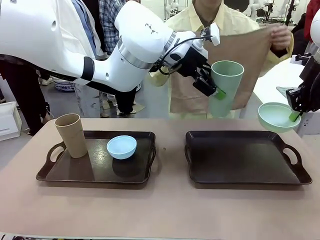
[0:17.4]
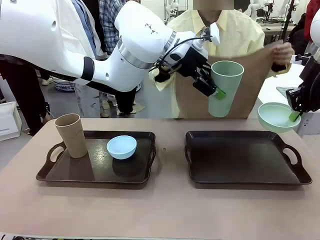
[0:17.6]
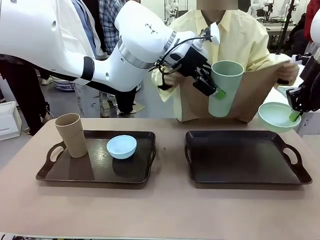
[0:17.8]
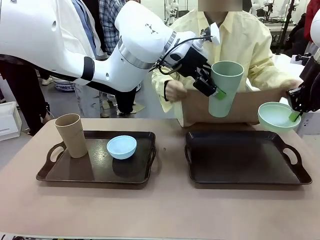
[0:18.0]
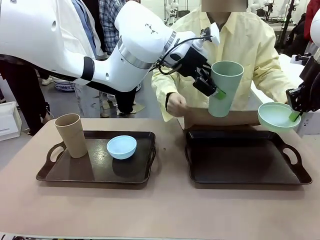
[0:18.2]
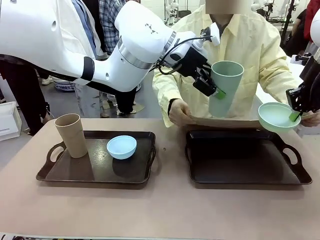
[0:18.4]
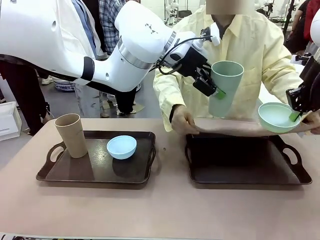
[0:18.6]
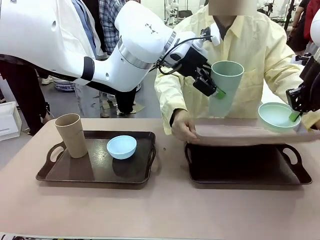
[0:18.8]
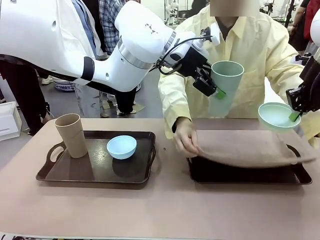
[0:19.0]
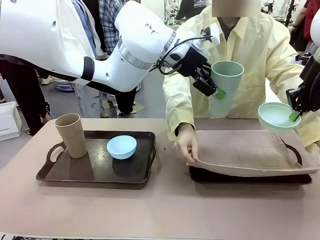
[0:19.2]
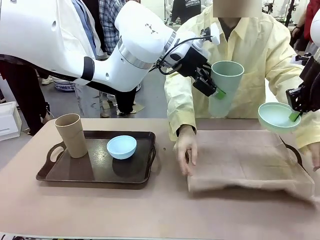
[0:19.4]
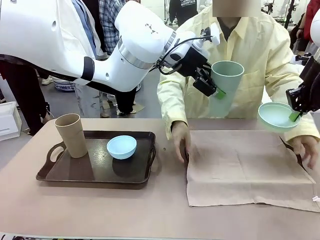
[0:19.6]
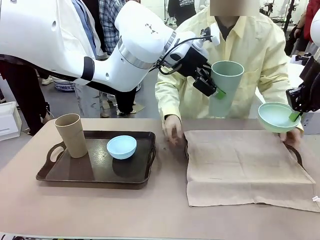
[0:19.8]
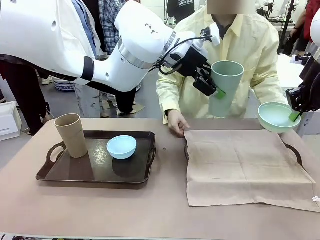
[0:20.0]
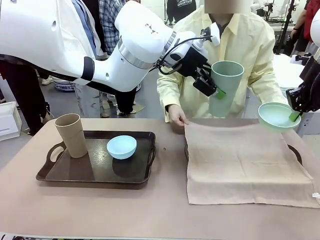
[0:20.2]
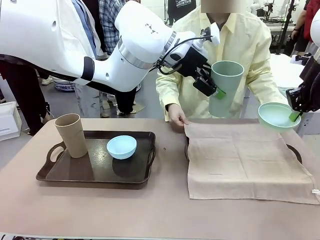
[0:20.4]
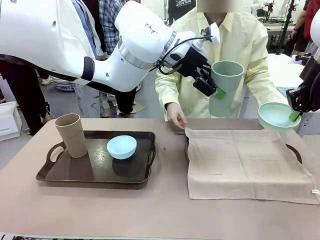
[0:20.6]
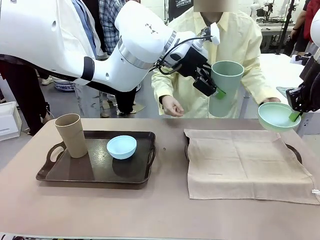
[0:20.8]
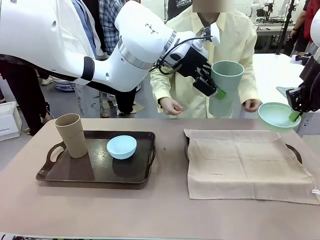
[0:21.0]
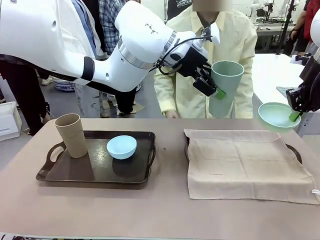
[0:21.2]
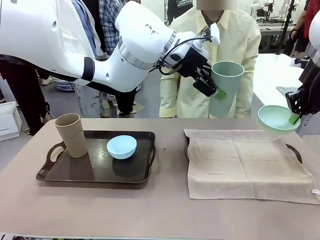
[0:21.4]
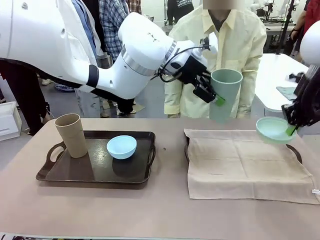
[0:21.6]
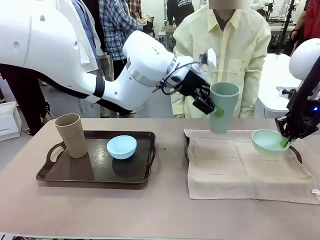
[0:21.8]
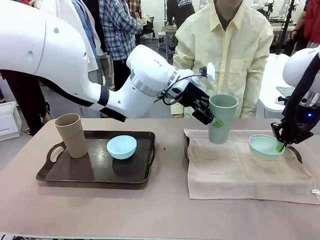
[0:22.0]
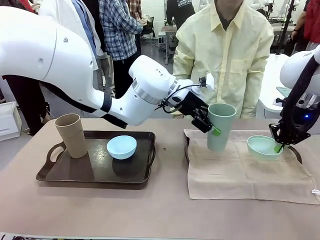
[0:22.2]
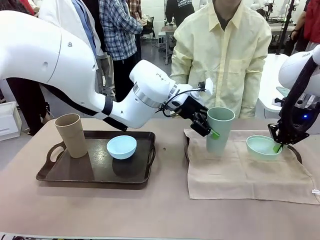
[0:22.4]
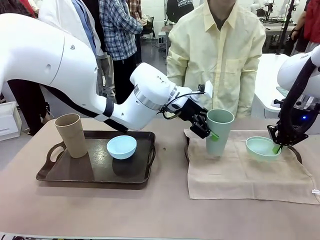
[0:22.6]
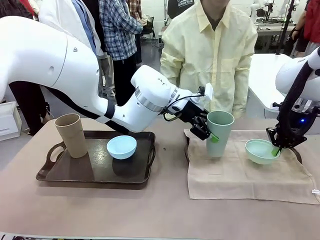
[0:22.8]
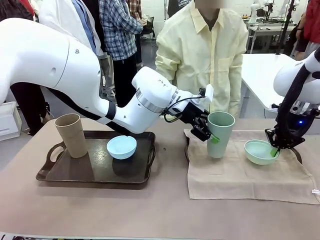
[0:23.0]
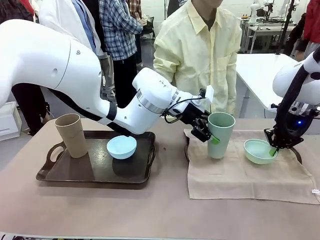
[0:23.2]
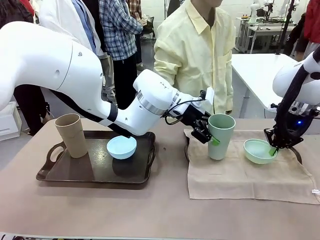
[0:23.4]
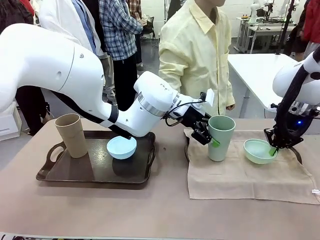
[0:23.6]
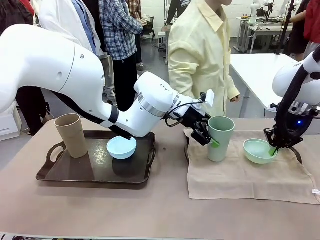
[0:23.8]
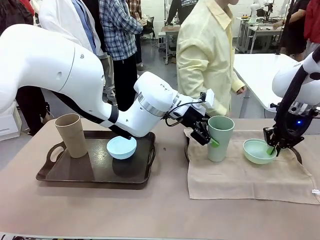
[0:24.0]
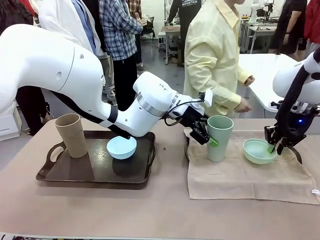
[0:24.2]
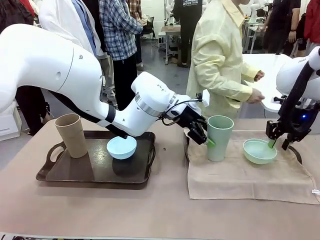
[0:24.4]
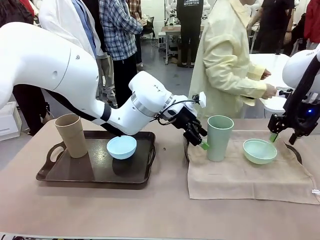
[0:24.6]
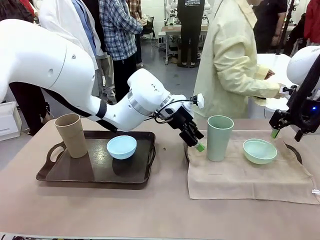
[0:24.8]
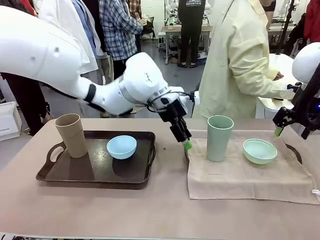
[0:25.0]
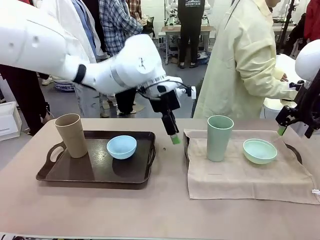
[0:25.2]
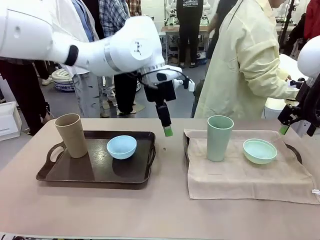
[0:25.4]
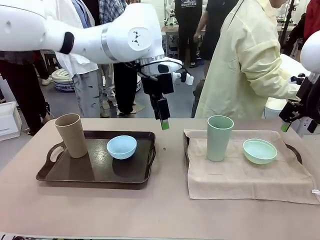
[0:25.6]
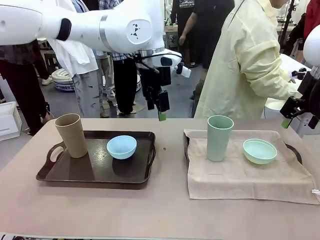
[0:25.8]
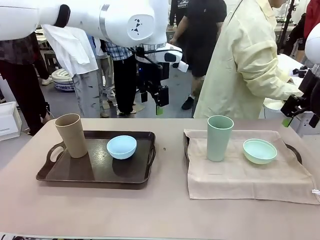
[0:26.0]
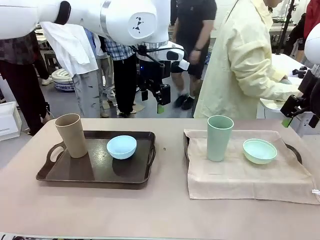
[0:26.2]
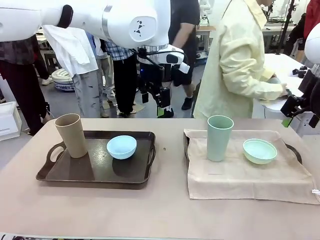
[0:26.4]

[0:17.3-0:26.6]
Robot: Place the Picnic Bowl and Reusable plastic cup back onto the Handle tray in front of the human's position.
Person: The human returns to the human table to pick up another napkin and walks to the robot table to stand in front of the tray without a napkin.

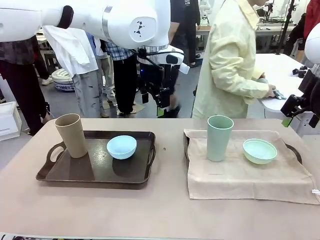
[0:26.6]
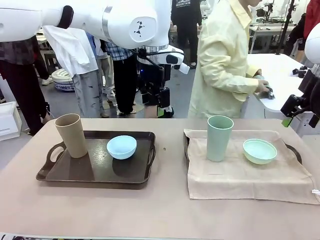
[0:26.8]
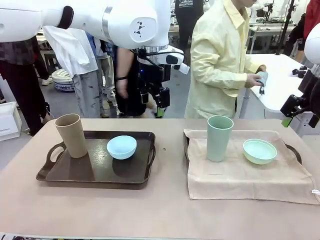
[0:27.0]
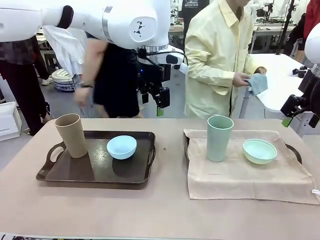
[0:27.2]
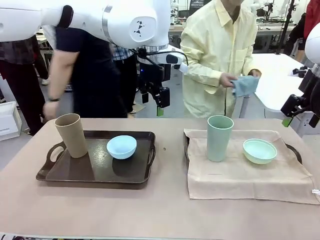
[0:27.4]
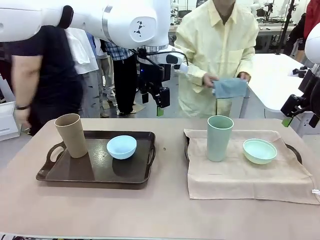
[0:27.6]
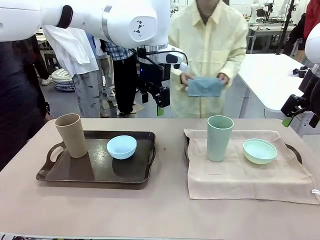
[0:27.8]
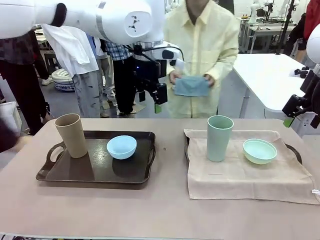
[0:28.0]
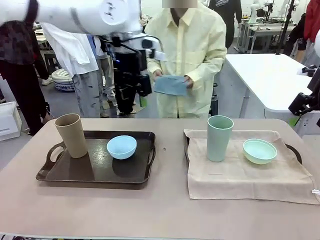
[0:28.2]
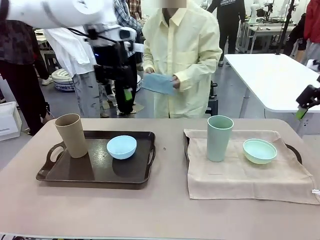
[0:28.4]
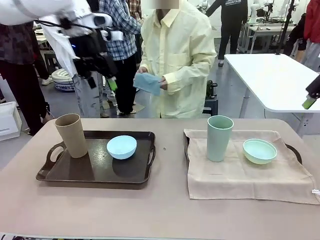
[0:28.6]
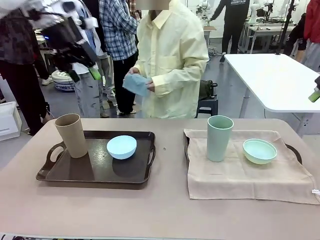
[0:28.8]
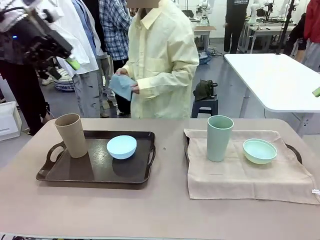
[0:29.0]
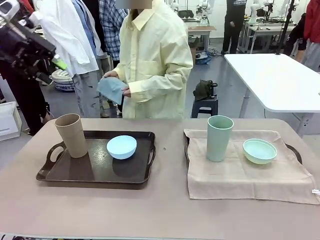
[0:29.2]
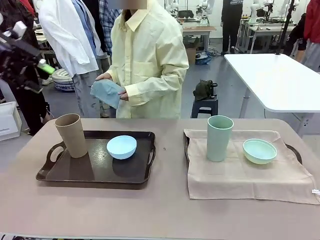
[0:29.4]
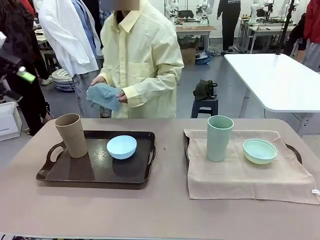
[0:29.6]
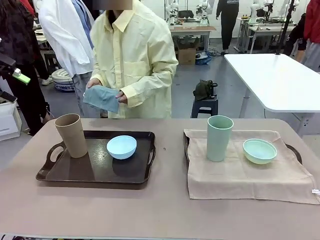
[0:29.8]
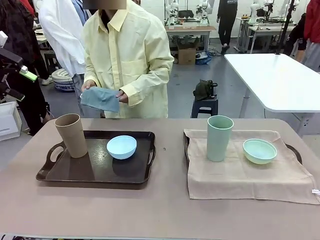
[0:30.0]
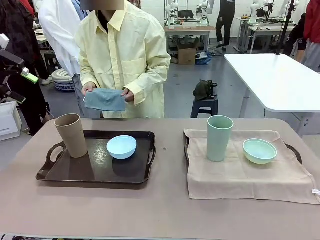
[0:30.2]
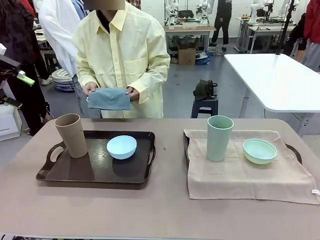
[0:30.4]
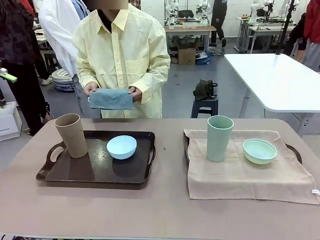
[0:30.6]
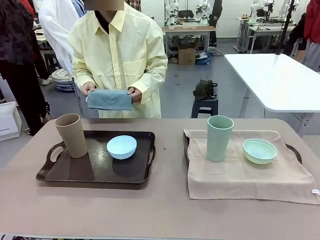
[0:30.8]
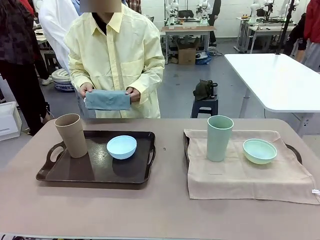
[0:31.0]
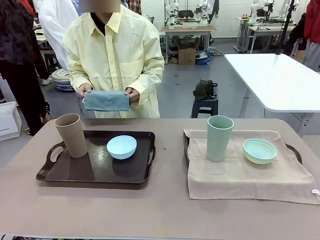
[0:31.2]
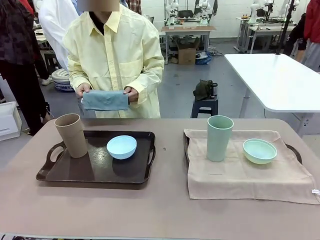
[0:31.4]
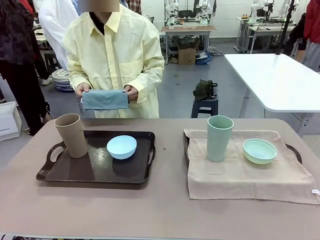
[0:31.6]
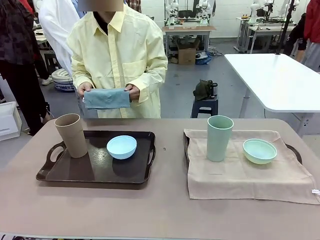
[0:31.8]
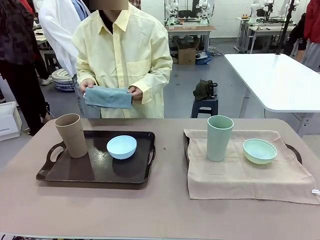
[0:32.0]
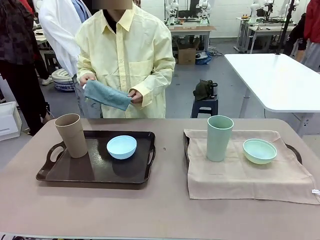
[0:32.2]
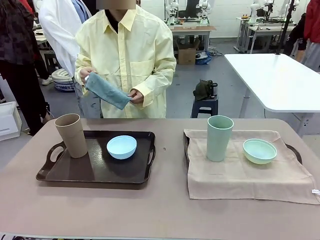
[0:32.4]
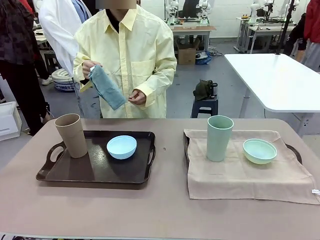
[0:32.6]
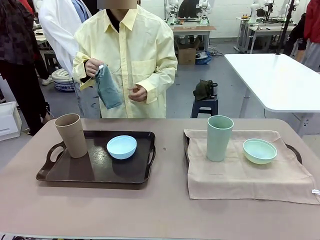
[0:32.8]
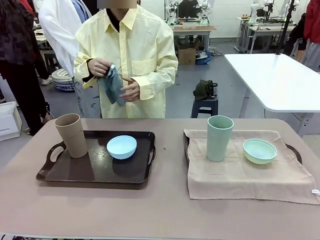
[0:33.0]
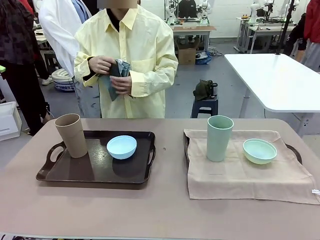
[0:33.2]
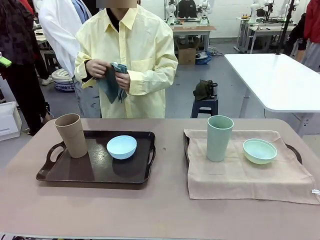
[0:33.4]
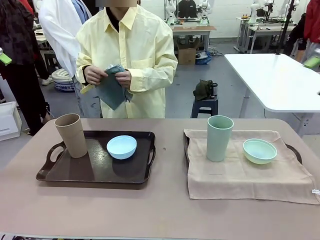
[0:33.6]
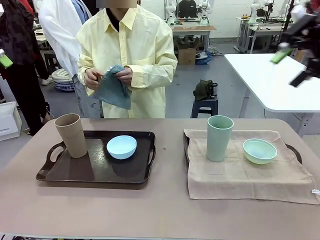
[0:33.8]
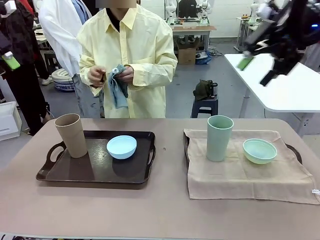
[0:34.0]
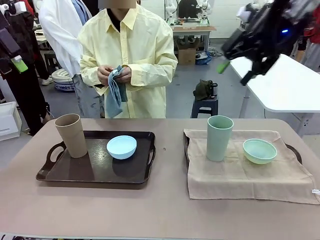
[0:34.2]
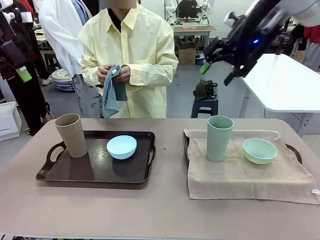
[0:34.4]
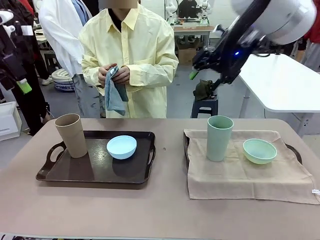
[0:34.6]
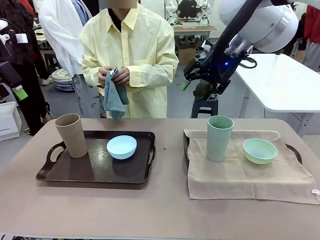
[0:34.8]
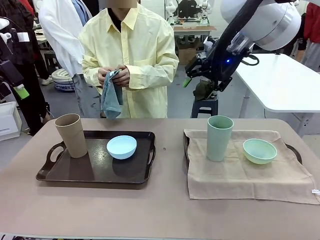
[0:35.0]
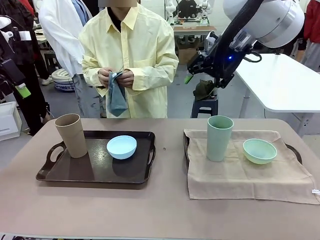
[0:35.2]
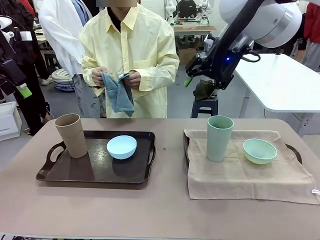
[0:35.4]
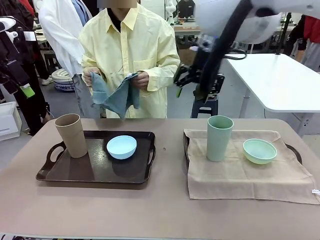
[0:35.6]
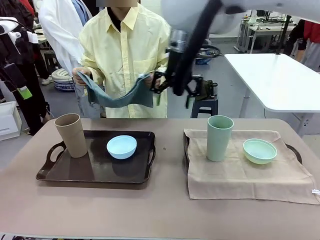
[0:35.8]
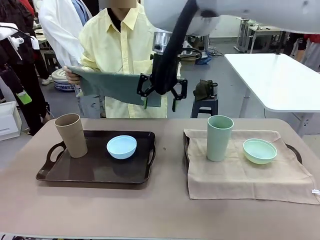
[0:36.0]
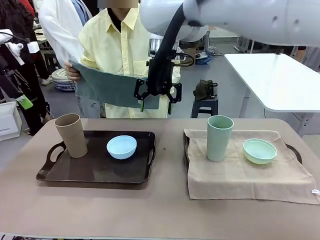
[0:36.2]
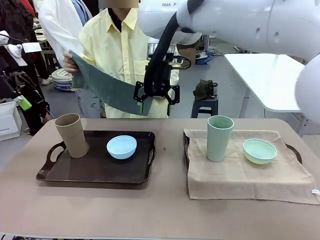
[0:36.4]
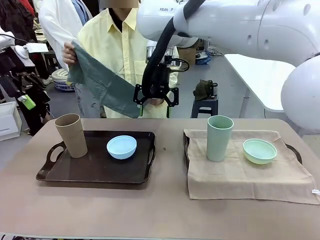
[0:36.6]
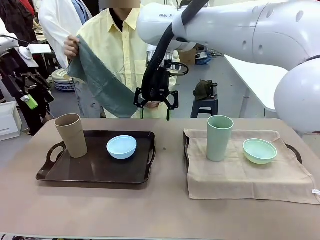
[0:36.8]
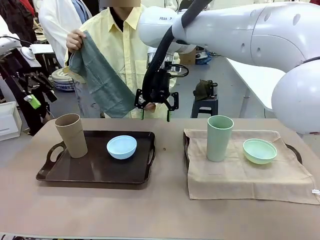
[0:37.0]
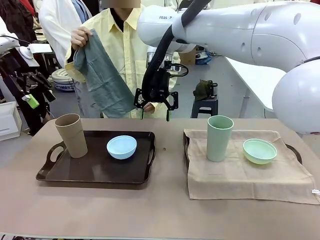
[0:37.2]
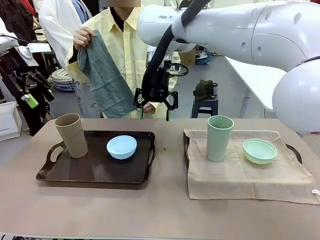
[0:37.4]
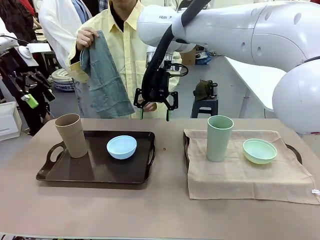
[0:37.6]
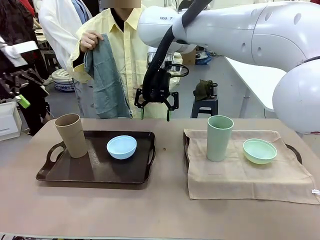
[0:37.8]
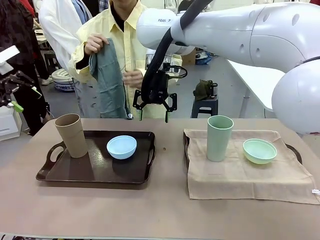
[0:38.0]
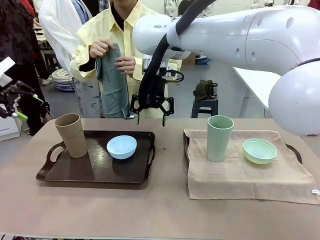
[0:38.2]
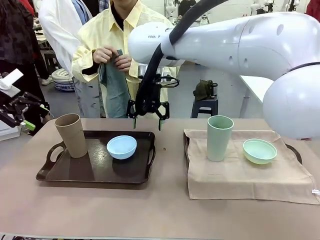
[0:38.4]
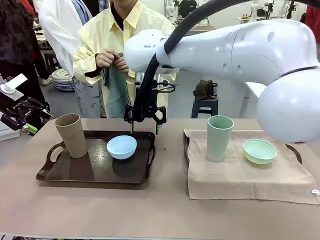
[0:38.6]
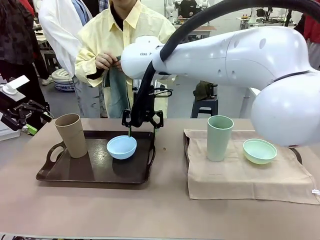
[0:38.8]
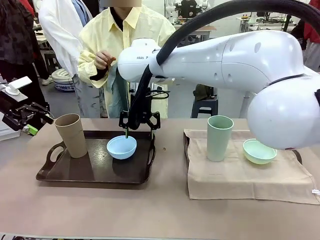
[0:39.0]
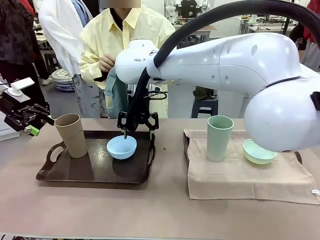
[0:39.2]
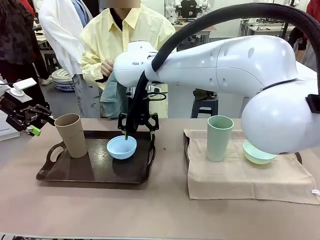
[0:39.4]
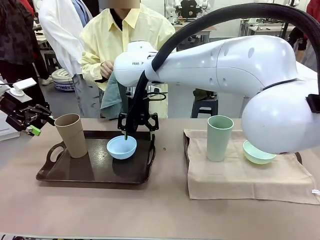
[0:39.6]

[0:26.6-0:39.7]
Robot: Pick up the Picnic Bowl and Reusable plastic cup from the Handle tray in front of the human's position and hold them in the air.
